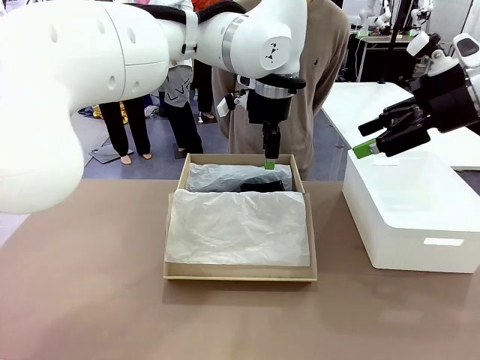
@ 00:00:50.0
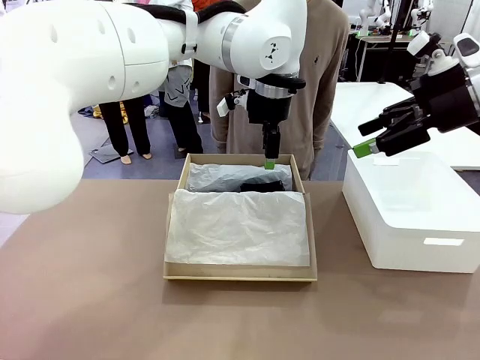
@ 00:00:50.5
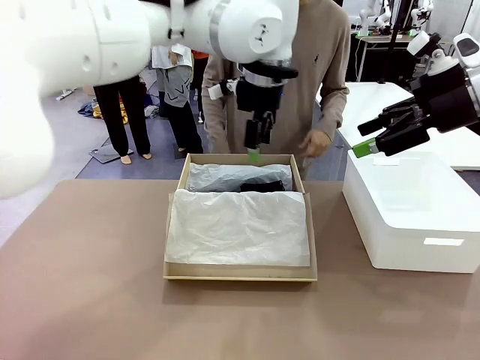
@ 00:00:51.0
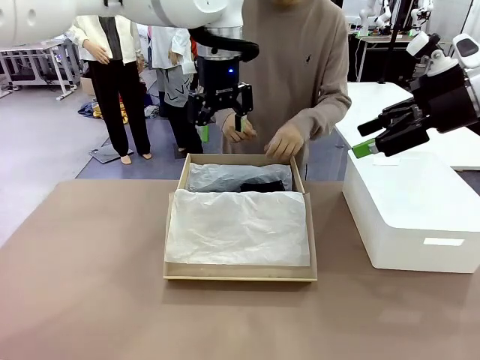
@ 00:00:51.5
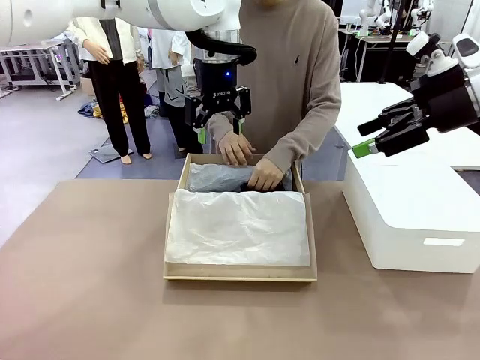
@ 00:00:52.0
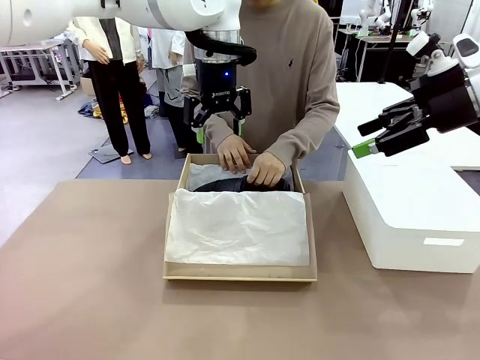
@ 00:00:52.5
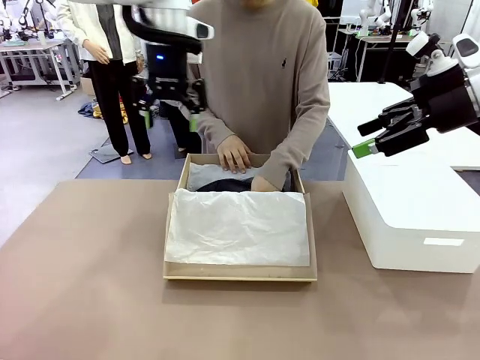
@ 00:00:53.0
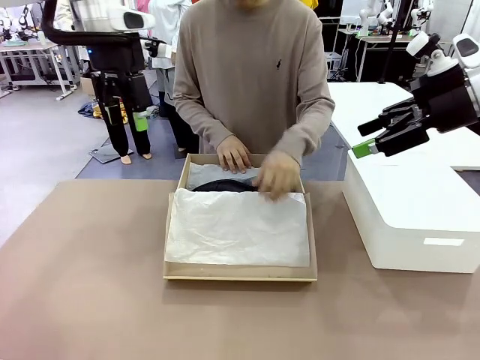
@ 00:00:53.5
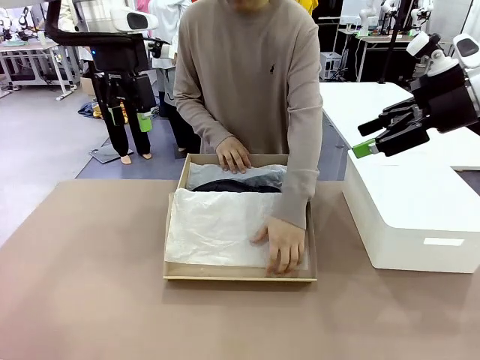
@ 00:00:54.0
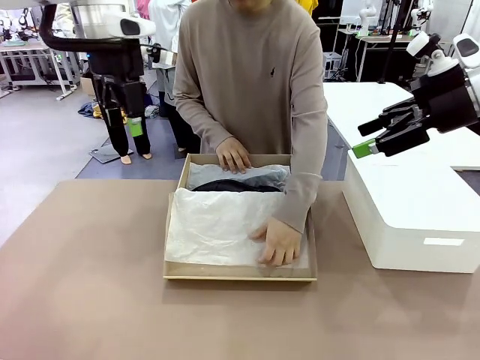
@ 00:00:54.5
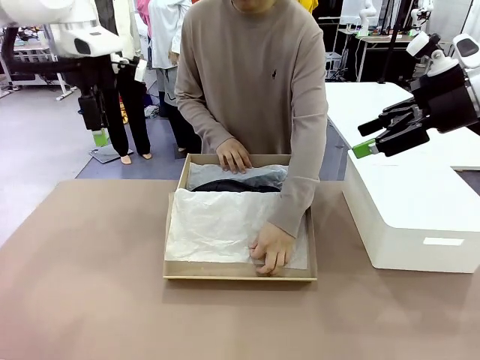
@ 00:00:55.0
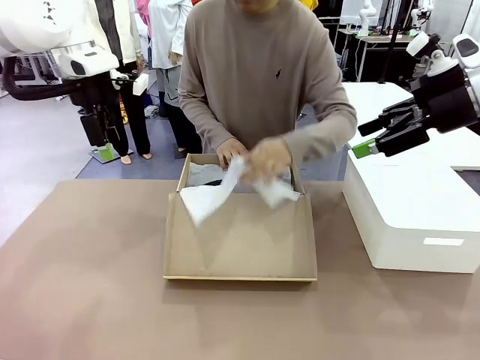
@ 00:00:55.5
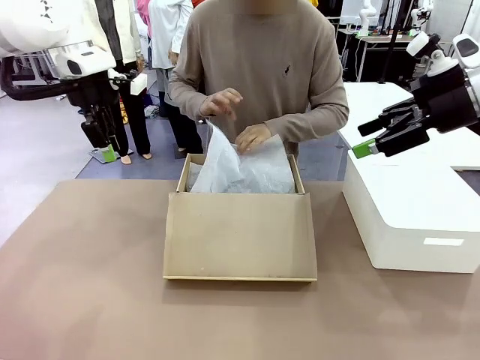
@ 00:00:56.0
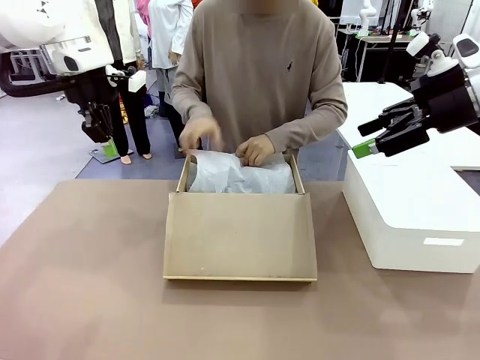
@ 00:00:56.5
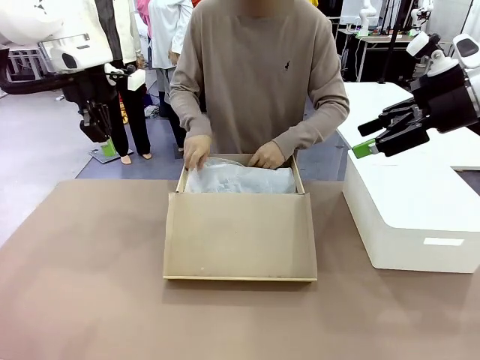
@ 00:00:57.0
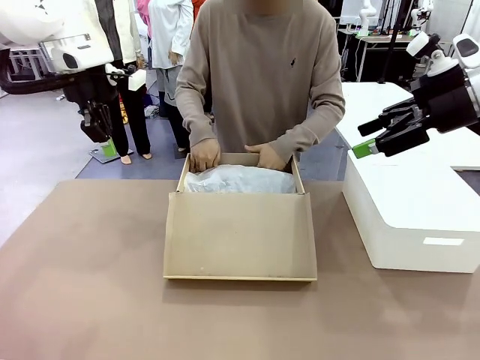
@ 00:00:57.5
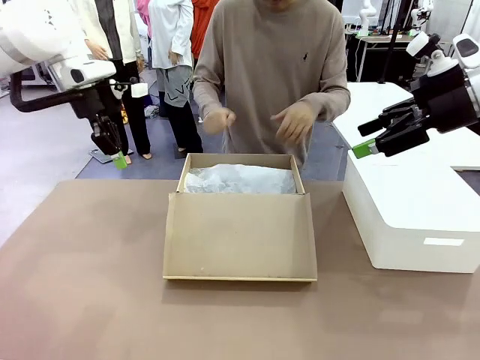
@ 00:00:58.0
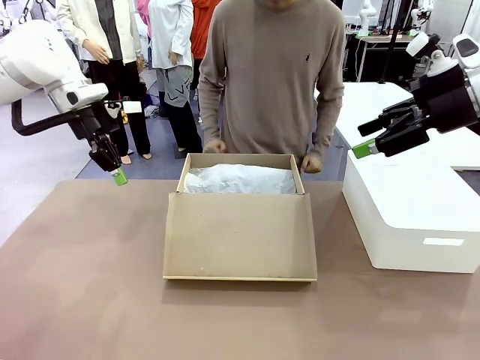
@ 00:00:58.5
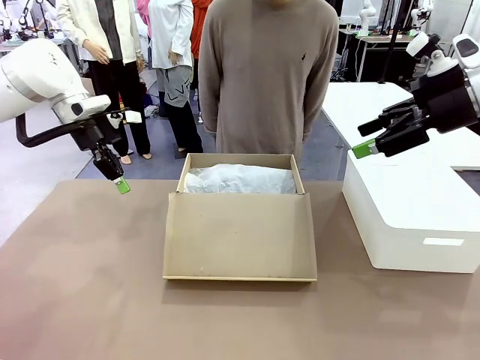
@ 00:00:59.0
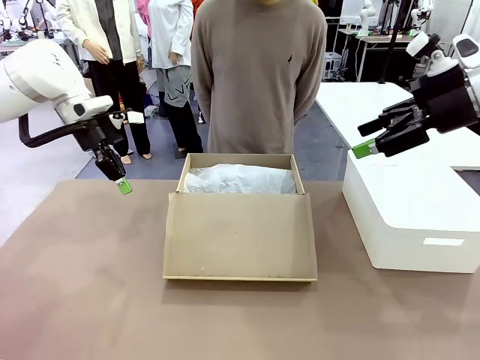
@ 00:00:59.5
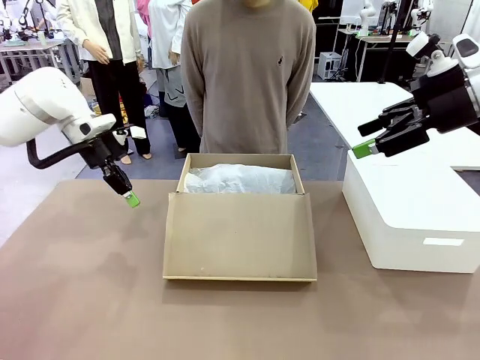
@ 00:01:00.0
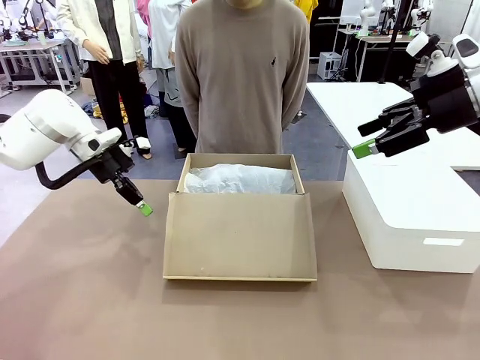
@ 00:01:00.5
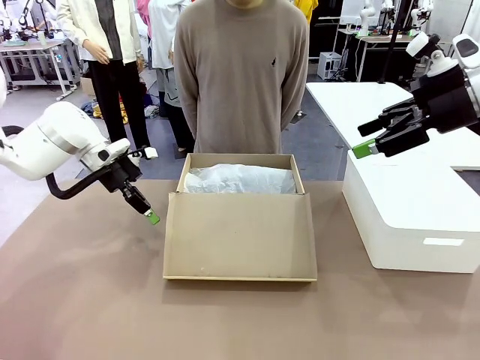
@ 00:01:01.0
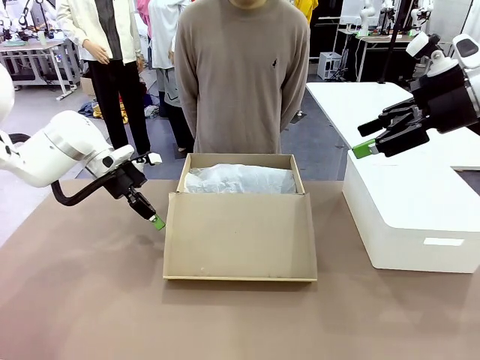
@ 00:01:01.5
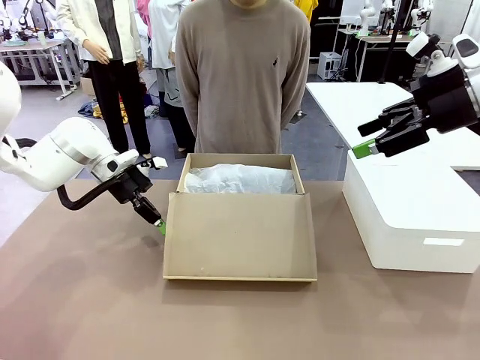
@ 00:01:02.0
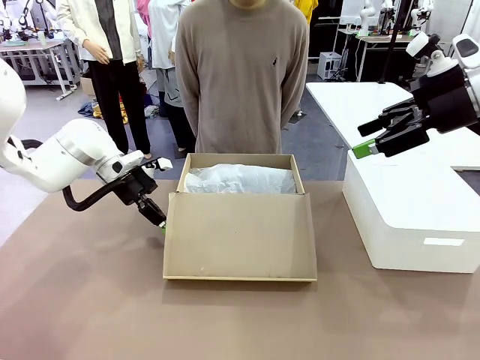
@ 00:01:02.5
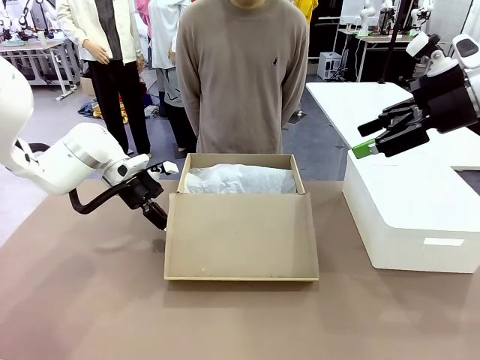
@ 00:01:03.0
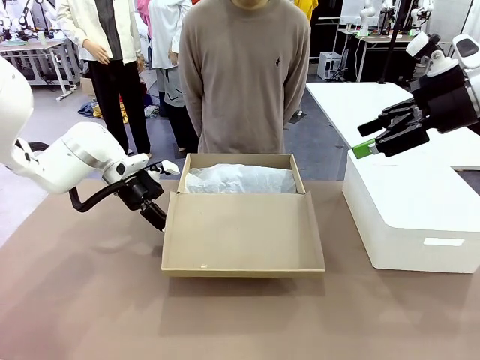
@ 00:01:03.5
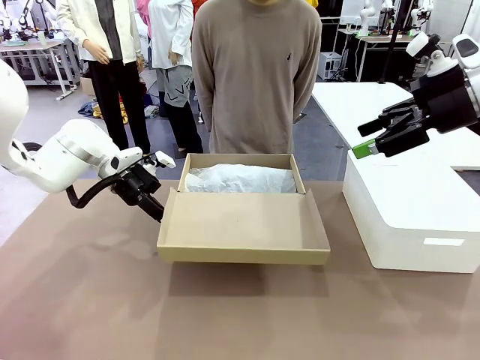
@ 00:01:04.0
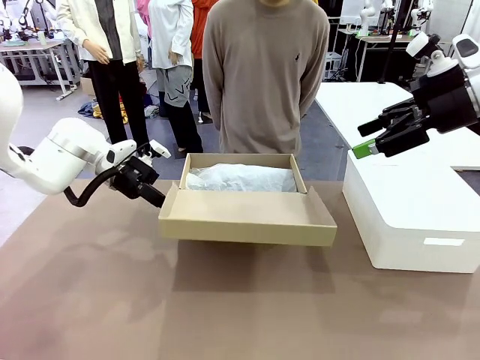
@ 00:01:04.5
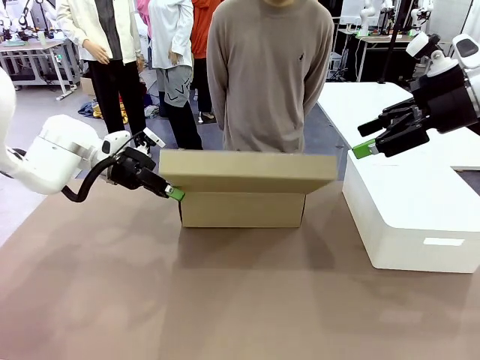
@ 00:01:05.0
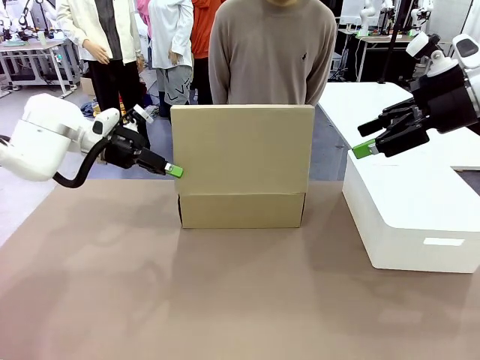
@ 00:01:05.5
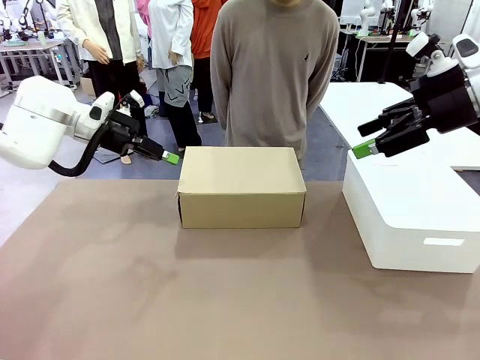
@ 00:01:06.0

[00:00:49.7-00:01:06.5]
Task: Pack the shoes into the box.
Robot: Close the Shoes Box.

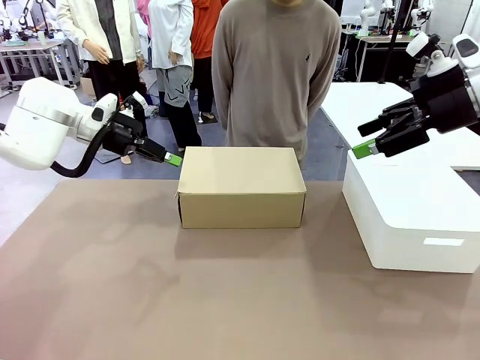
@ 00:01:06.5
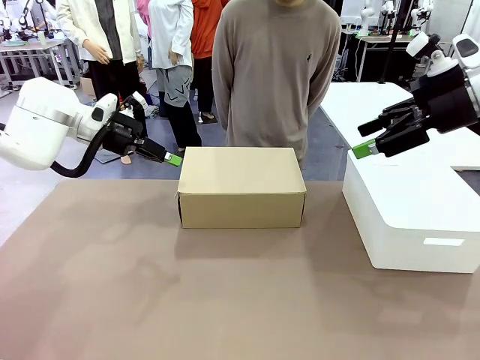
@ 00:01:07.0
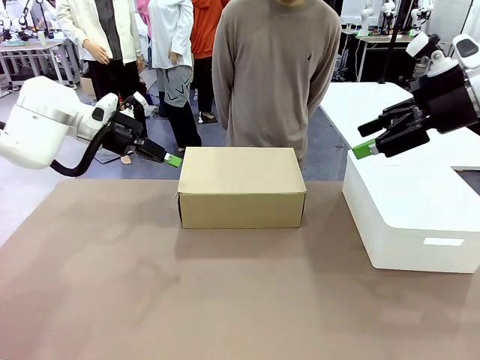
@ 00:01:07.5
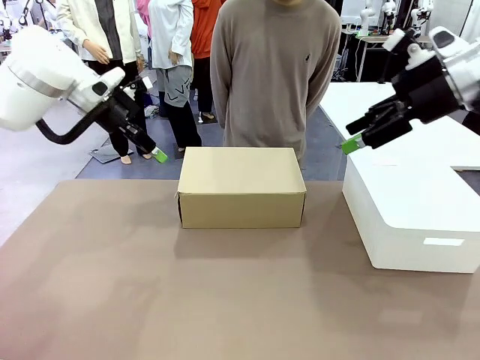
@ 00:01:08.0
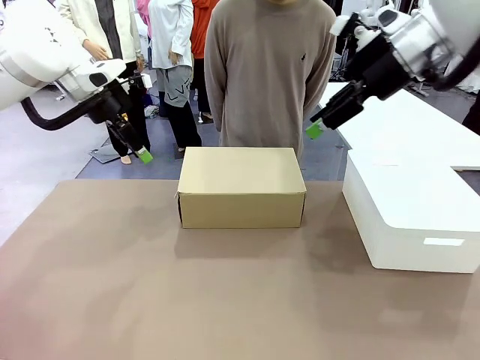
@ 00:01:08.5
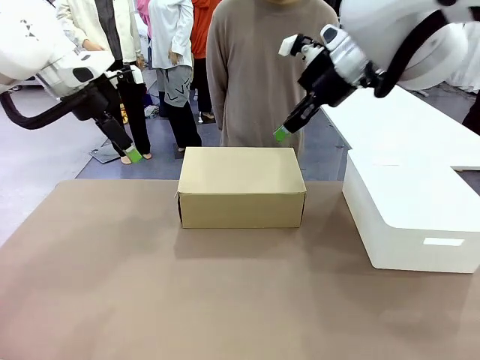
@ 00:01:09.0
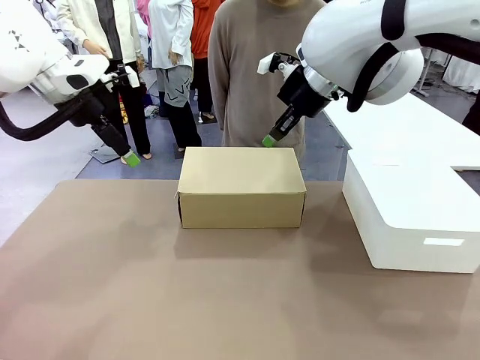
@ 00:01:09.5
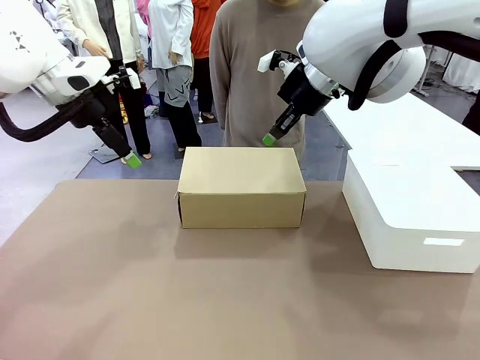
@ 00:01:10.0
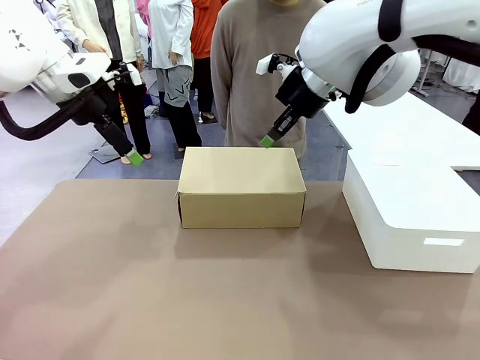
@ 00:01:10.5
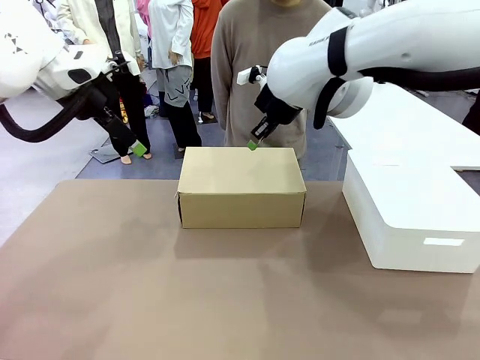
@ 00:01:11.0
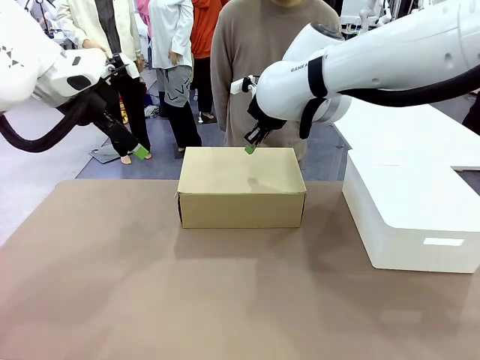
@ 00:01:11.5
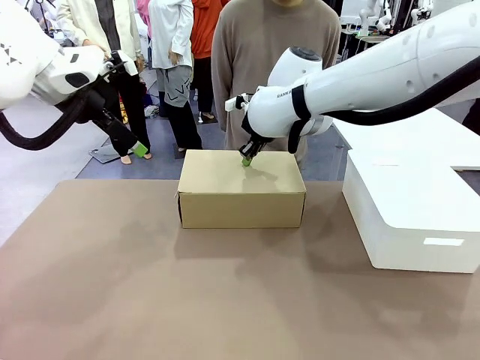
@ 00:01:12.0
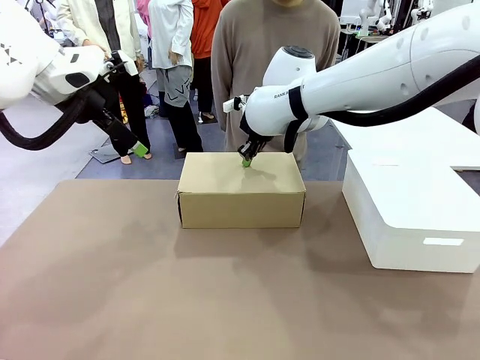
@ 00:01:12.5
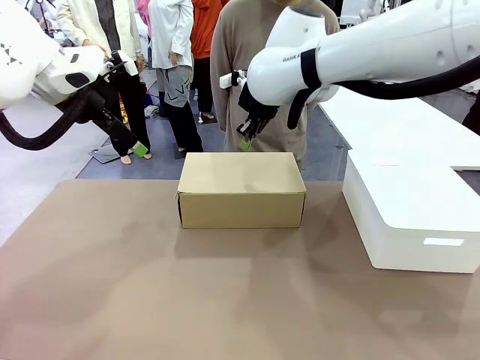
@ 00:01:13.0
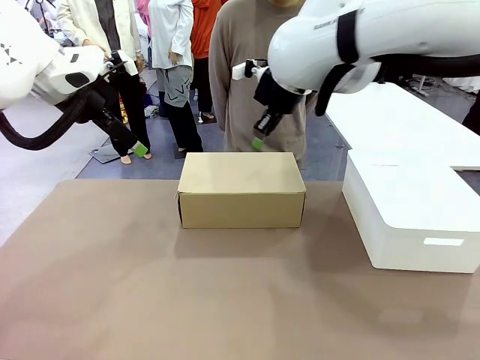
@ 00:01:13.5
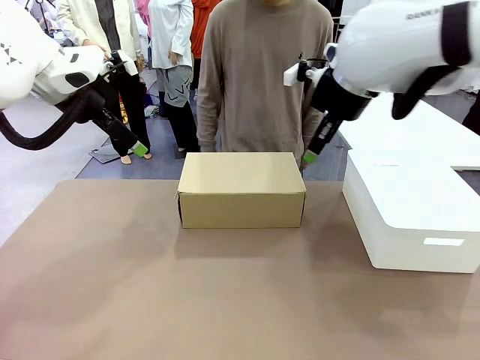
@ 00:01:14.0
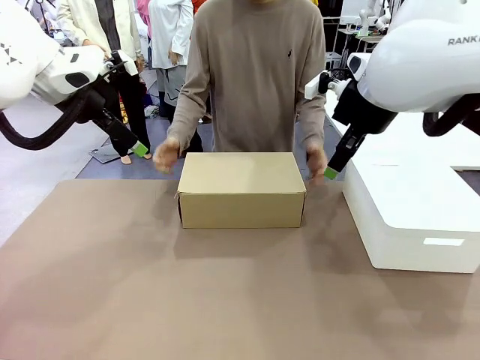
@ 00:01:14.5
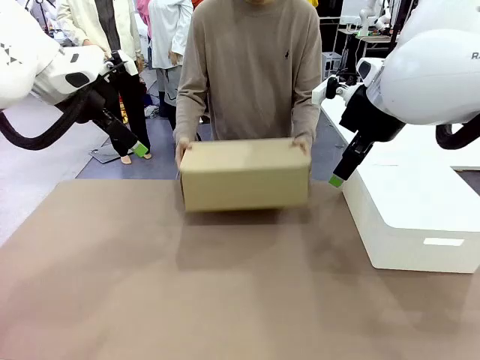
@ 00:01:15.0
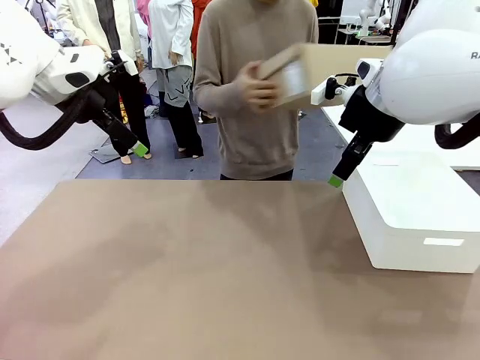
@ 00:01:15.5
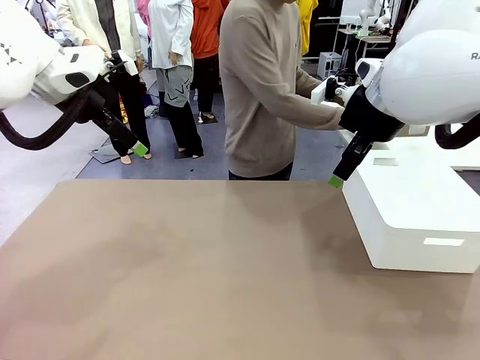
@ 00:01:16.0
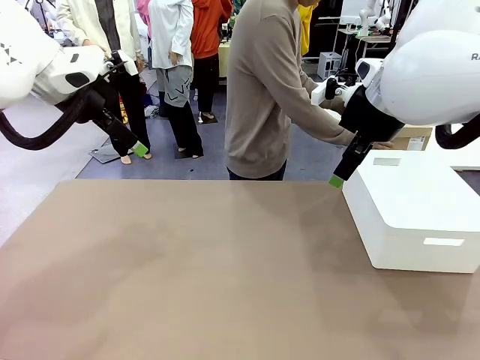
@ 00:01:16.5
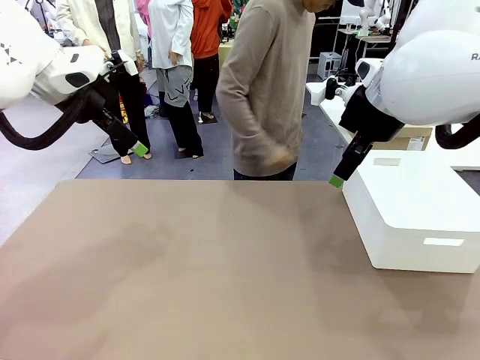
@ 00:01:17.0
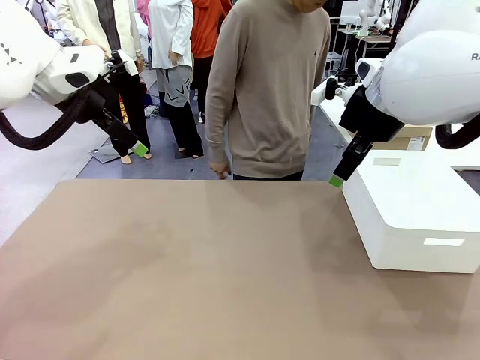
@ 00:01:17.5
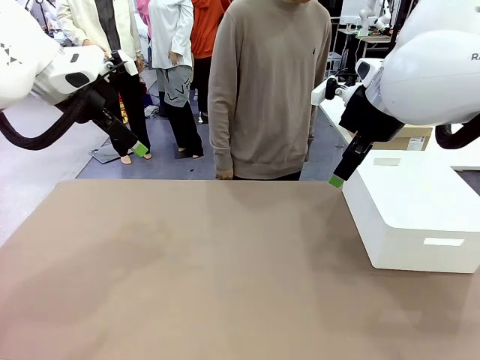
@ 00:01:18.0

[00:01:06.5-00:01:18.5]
Robot: Press down on the lid of the Shoes Box.
Person: Place the closed Shoes Box to the right side of the human table.
